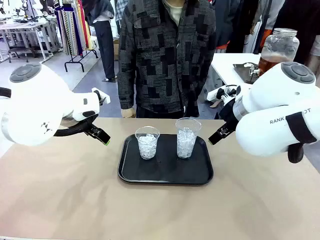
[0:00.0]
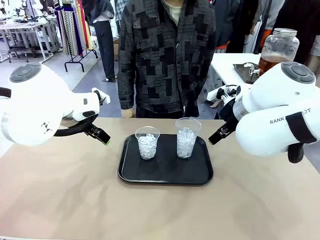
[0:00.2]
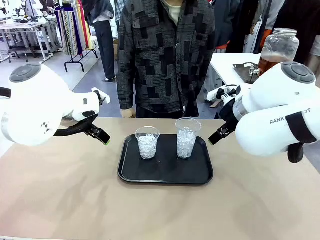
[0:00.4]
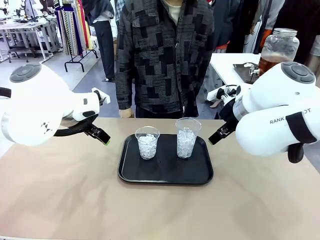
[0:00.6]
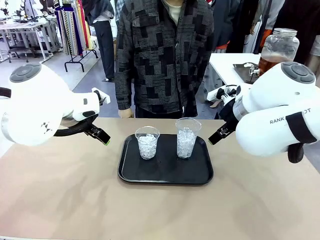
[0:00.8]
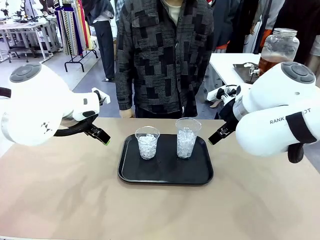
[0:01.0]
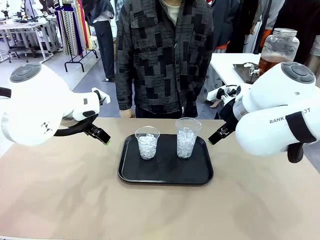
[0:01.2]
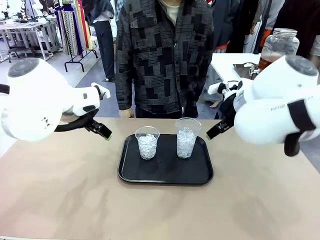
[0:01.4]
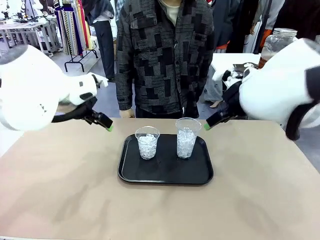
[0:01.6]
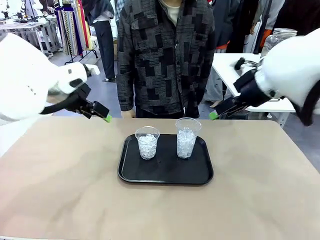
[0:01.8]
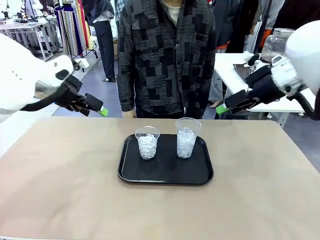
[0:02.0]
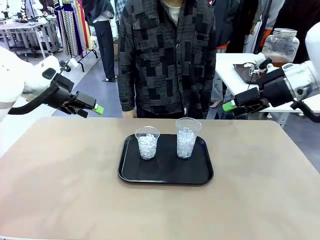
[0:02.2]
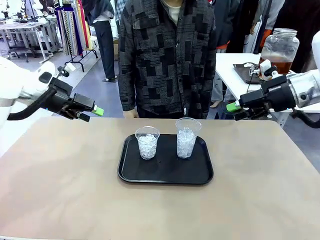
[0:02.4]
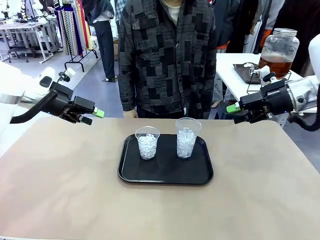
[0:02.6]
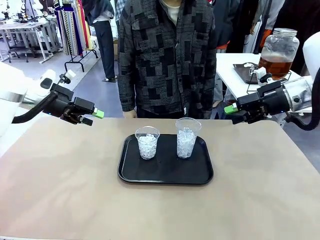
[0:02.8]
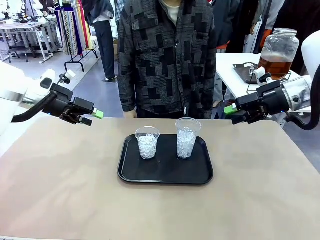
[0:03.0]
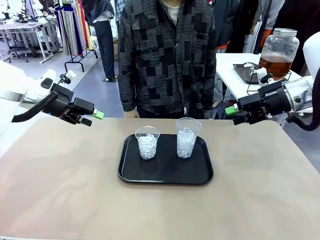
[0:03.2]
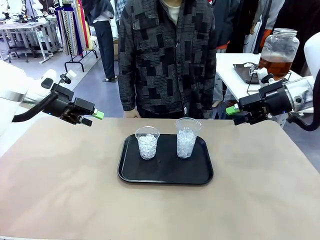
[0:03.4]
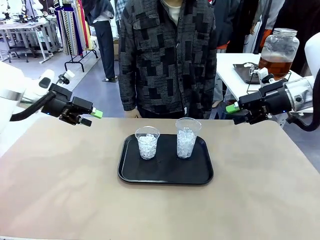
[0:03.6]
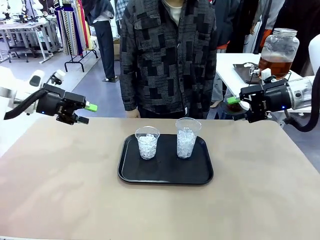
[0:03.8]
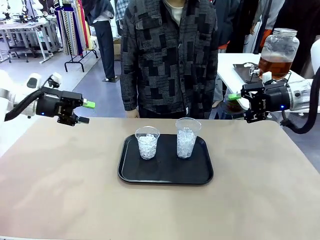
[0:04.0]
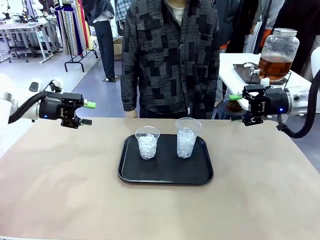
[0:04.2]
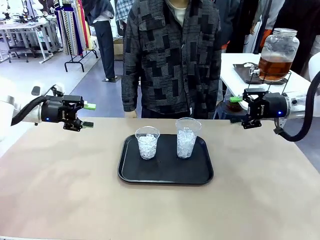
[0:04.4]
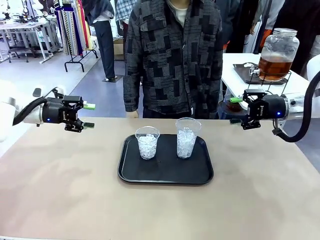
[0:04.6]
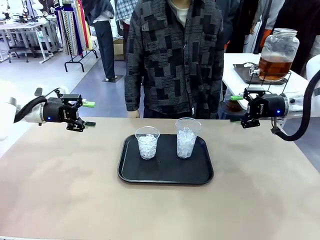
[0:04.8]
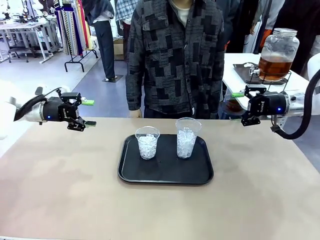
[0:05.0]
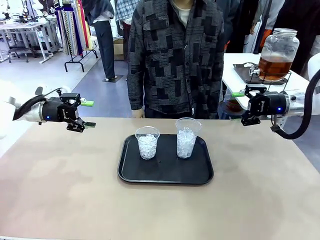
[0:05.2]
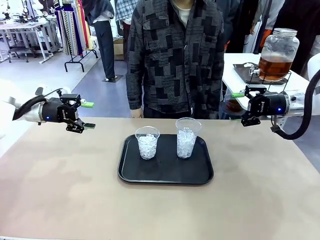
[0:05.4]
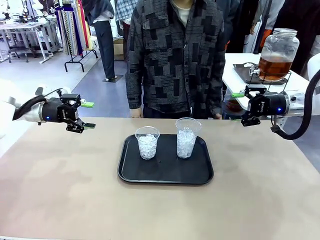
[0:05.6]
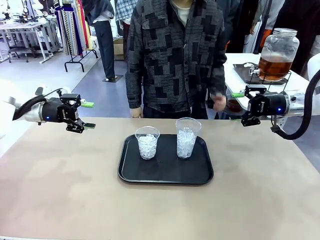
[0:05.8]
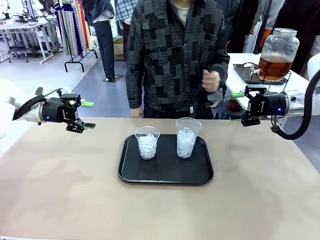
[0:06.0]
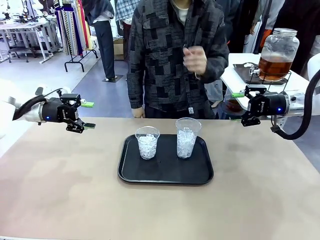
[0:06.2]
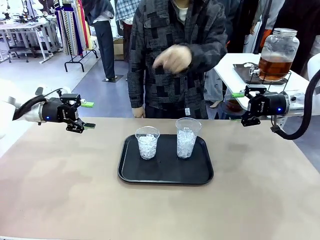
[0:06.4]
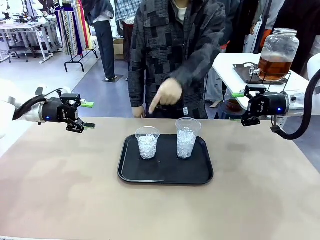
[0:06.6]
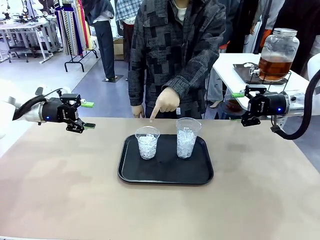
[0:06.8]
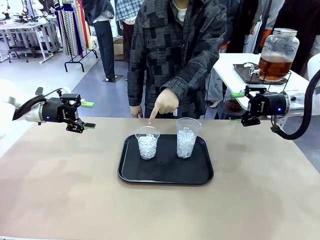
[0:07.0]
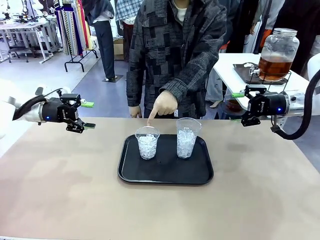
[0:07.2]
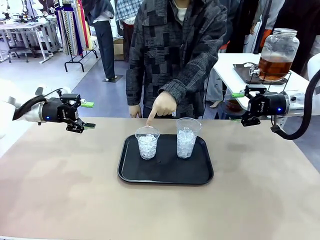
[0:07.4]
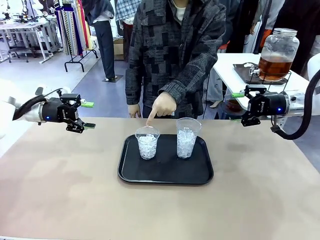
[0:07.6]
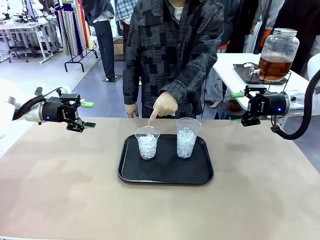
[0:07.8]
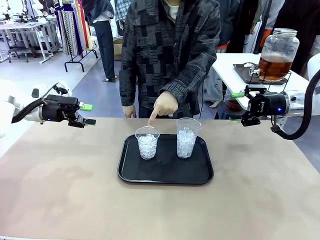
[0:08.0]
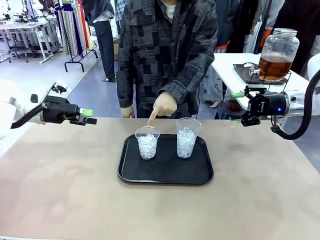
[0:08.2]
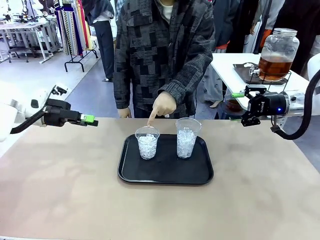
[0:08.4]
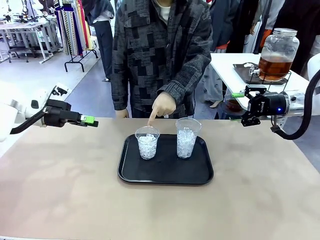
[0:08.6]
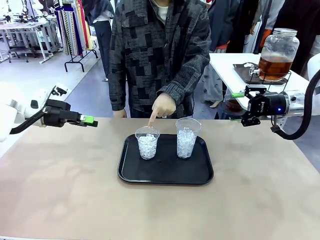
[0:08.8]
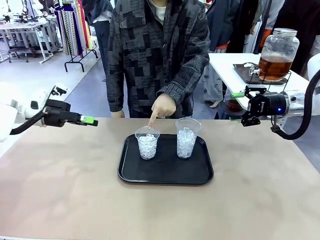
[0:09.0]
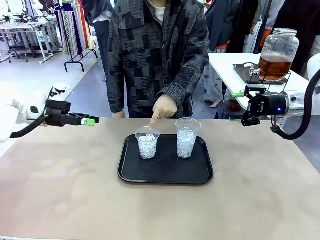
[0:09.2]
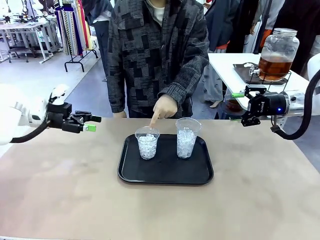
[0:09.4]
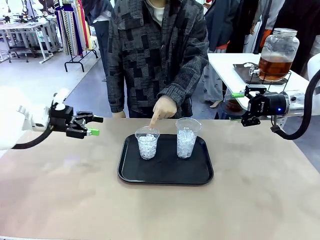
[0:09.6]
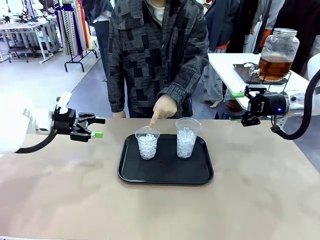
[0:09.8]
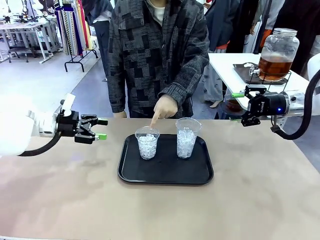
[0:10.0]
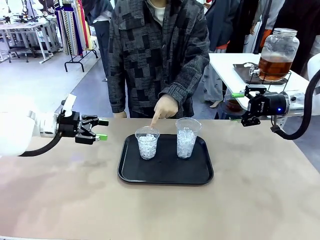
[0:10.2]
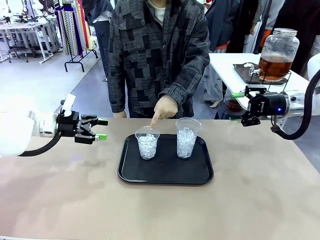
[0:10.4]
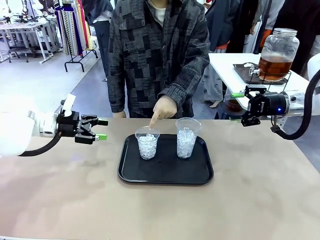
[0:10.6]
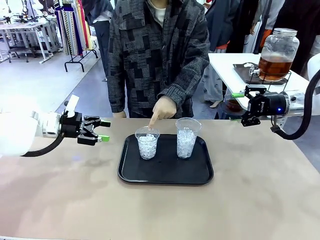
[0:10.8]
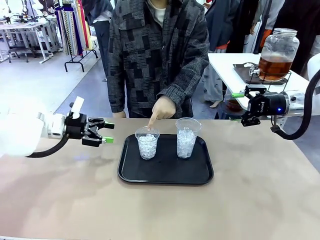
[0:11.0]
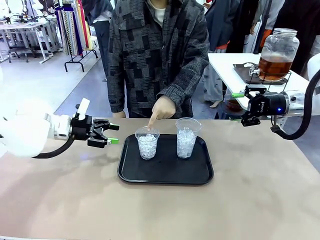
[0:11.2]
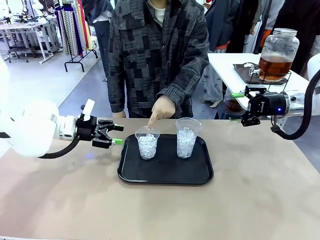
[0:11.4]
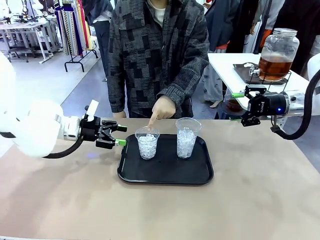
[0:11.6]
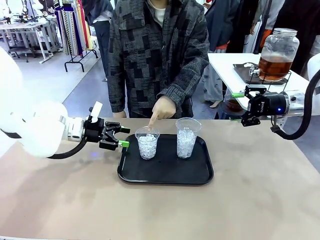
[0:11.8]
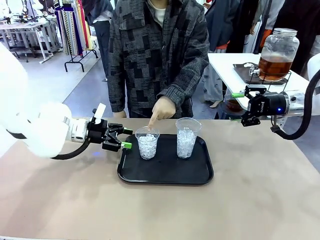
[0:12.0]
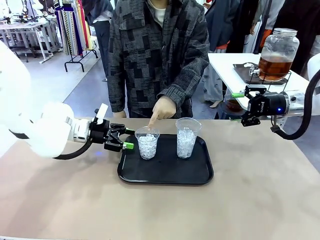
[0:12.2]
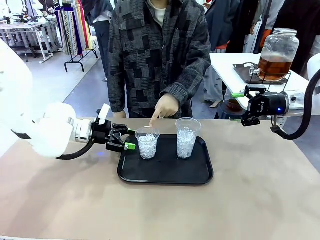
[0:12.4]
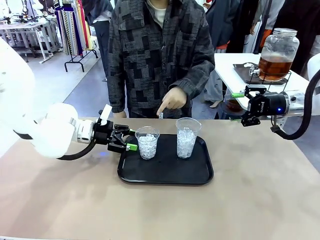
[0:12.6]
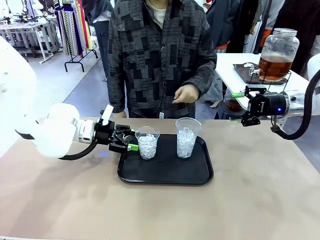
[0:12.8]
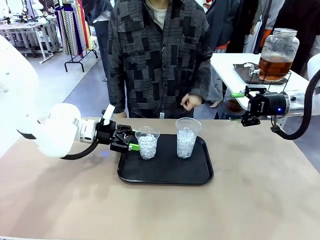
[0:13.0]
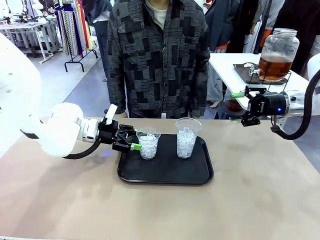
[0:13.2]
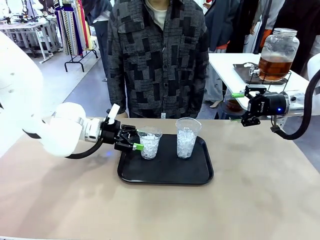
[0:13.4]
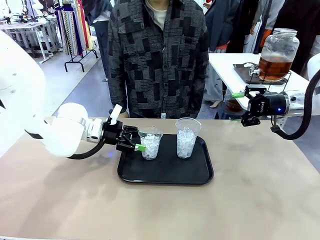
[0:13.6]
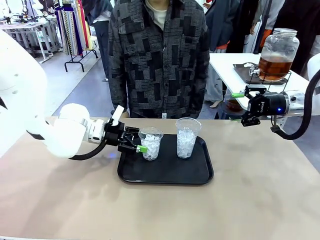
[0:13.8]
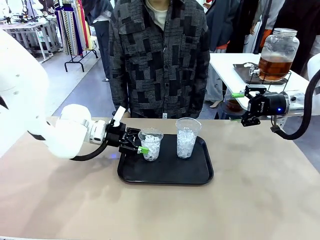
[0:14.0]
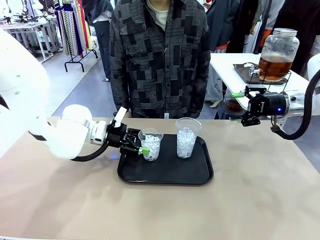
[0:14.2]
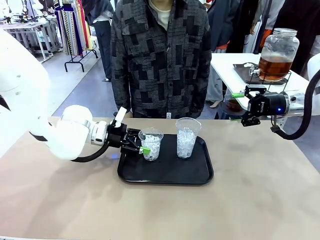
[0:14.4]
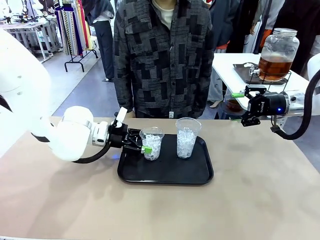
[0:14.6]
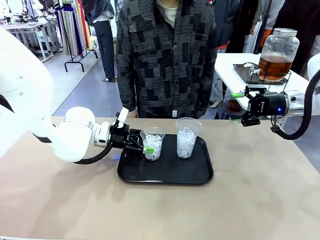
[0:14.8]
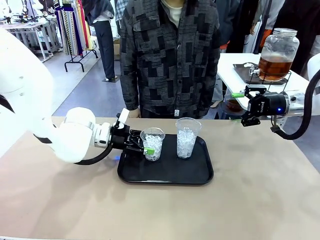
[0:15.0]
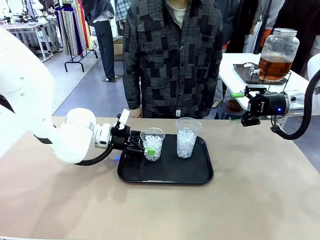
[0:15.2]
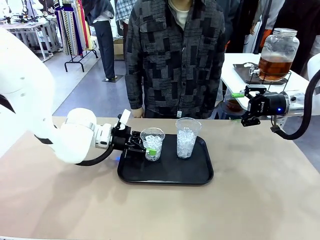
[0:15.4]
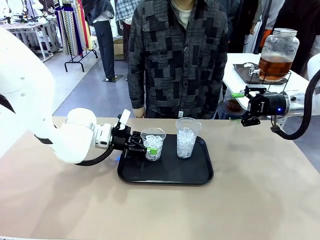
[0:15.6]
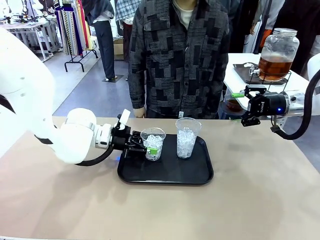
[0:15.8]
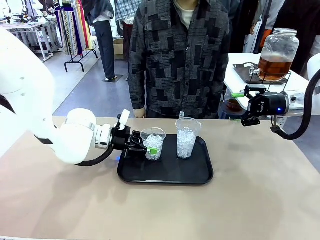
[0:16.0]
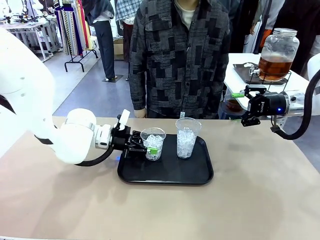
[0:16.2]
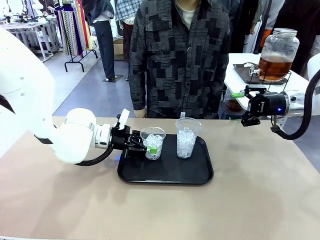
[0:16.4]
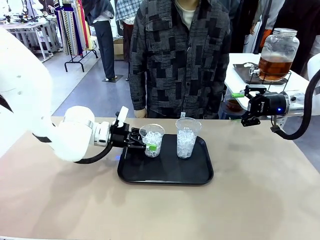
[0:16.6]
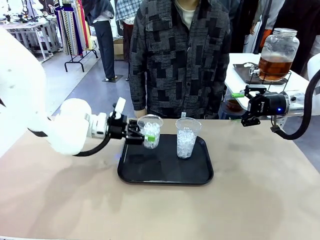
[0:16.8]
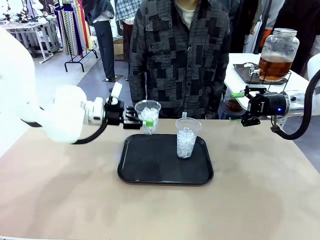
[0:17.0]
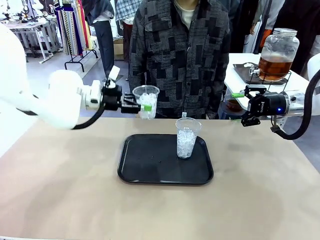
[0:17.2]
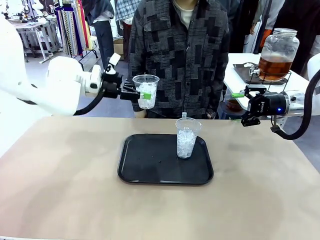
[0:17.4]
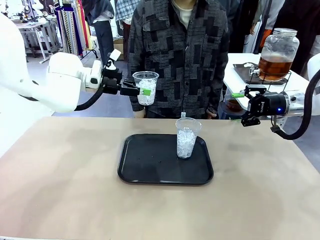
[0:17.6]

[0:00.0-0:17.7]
Task: Pour the drink into the iced cup.
Robot: Pick up the iced cup indicated by the human and present it to them.
Person: Point to one of the two ice cups. Pick up the cup offered by the robot.

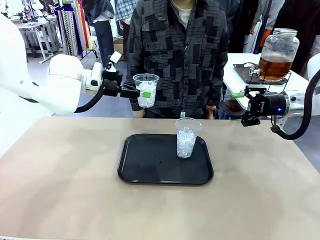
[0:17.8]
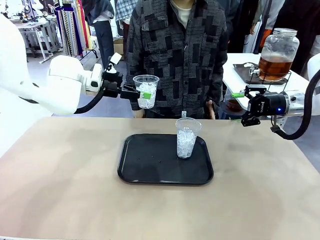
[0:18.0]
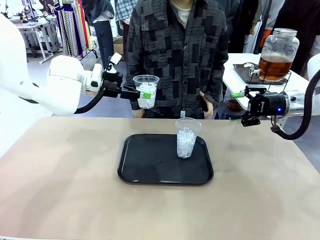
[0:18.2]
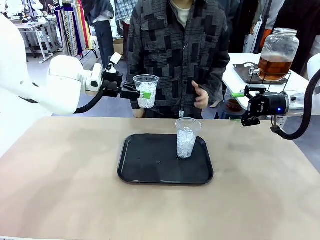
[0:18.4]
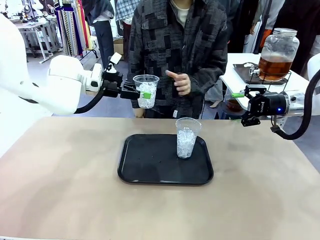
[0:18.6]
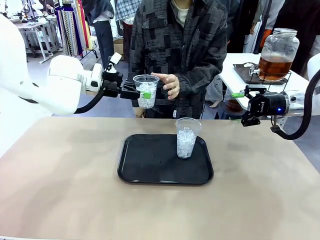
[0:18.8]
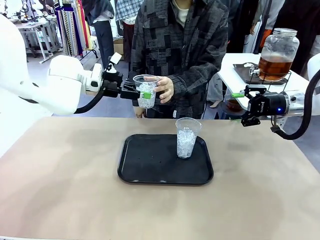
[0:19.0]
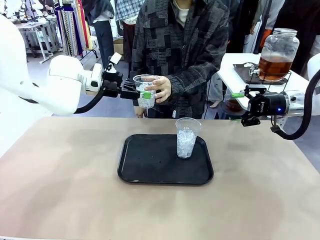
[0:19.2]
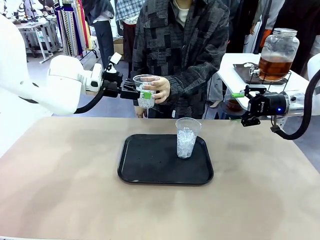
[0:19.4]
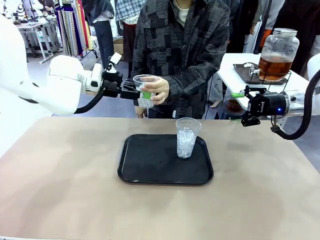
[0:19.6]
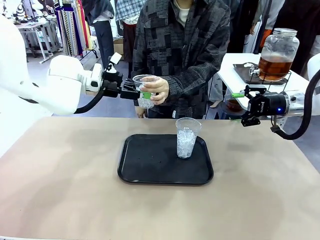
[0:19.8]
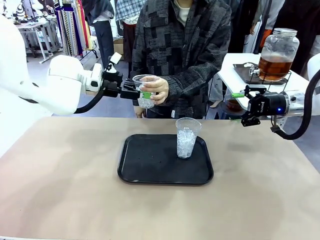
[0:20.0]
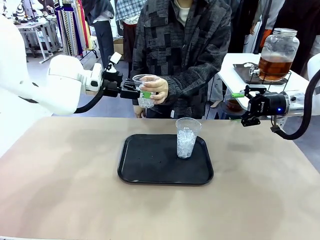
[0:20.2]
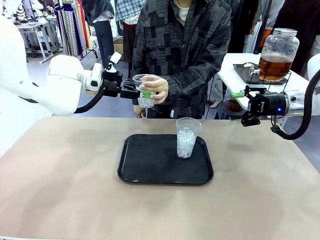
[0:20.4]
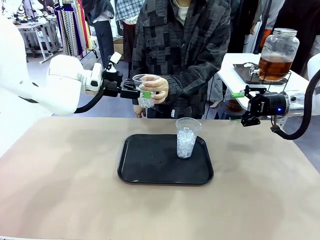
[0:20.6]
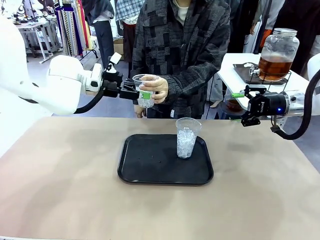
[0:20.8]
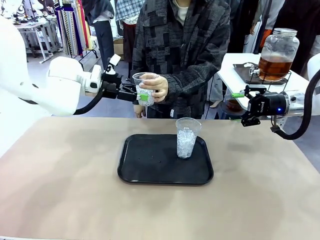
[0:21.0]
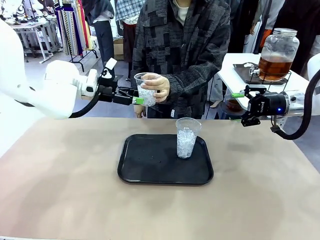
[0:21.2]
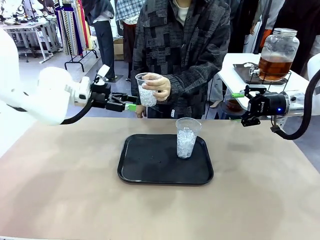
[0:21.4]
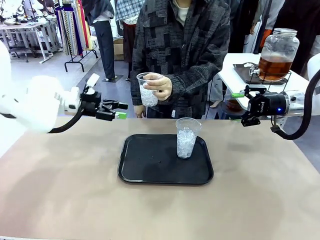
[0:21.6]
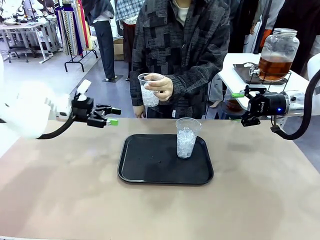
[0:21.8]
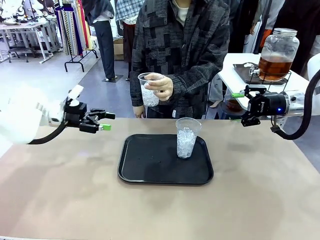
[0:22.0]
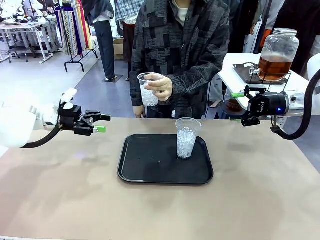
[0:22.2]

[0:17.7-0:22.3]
Robot: Open the gripper to release the iced cup you were holding.
